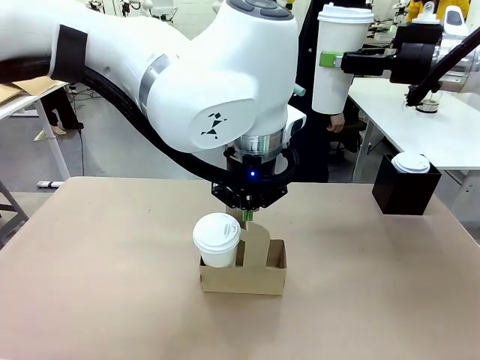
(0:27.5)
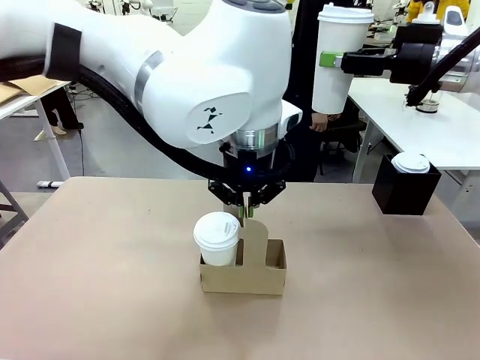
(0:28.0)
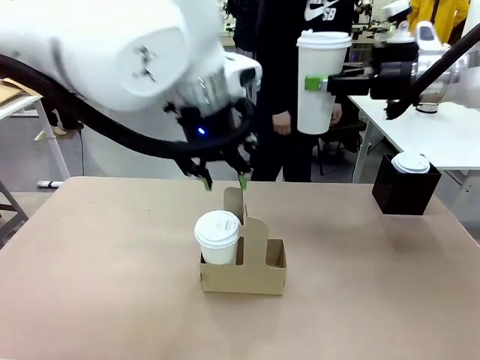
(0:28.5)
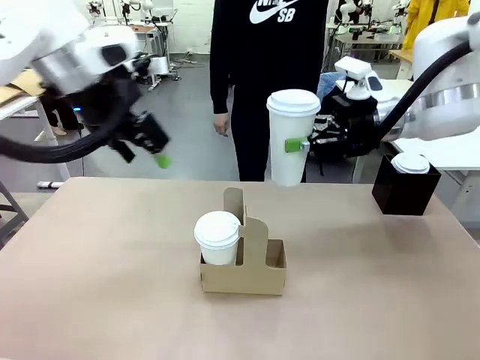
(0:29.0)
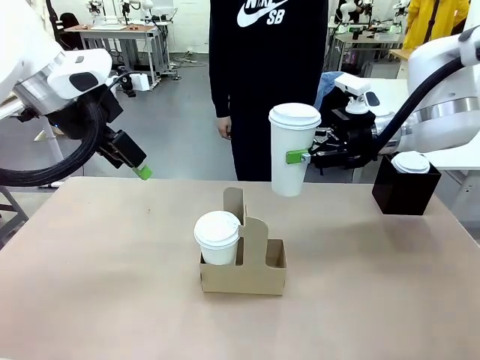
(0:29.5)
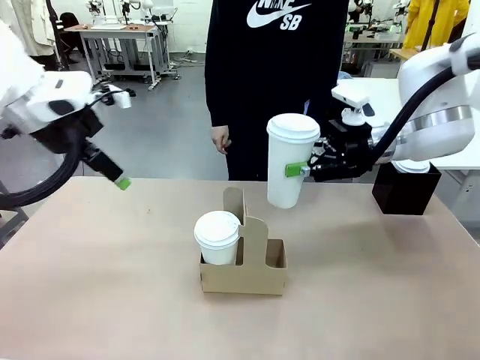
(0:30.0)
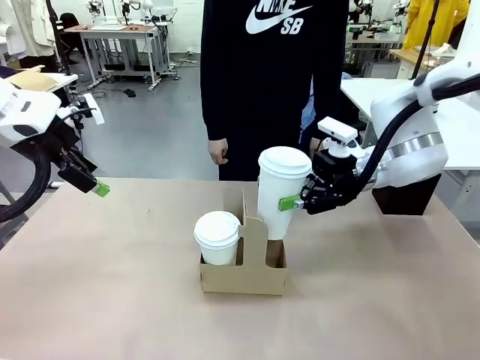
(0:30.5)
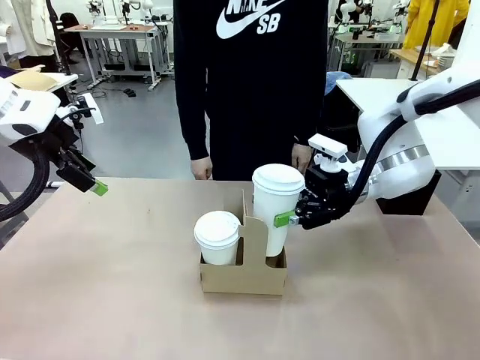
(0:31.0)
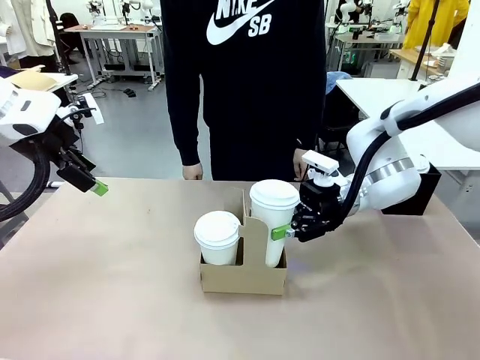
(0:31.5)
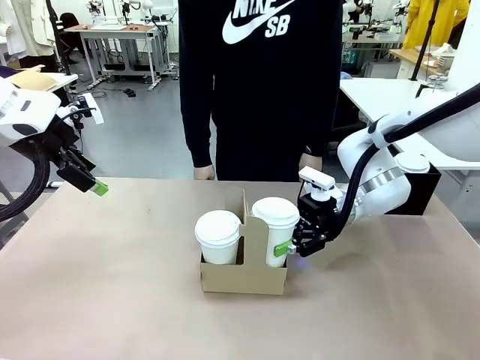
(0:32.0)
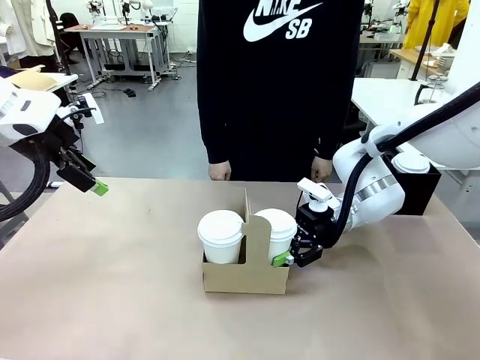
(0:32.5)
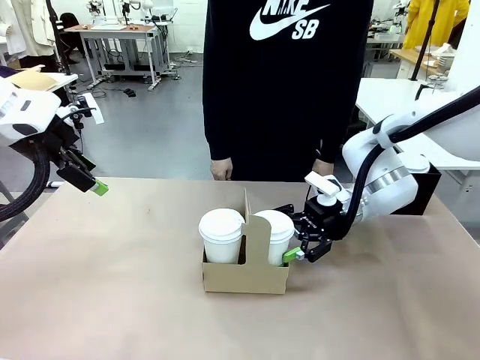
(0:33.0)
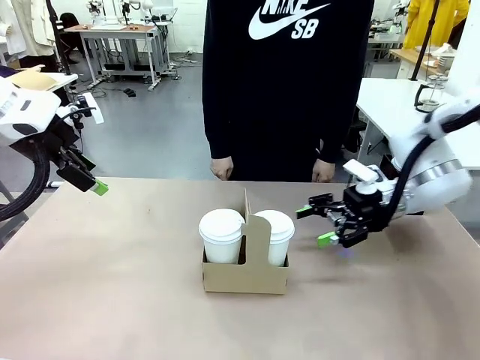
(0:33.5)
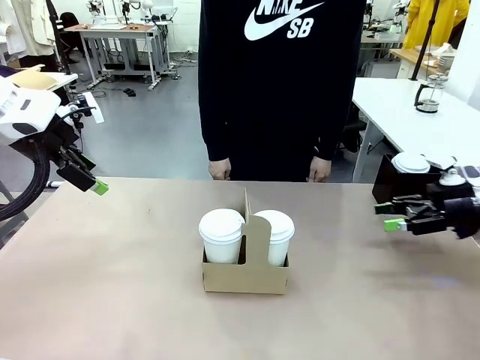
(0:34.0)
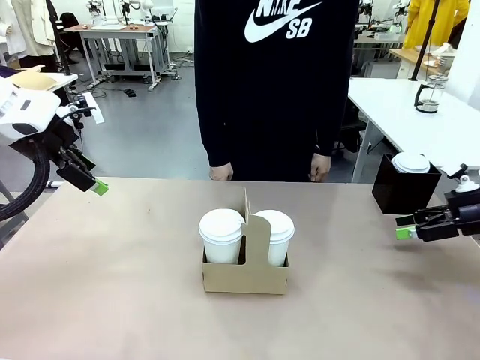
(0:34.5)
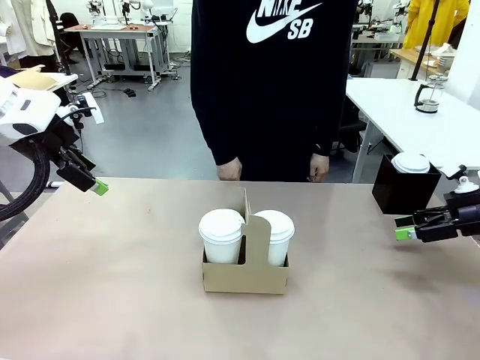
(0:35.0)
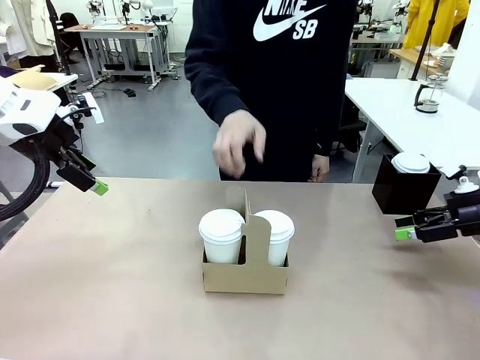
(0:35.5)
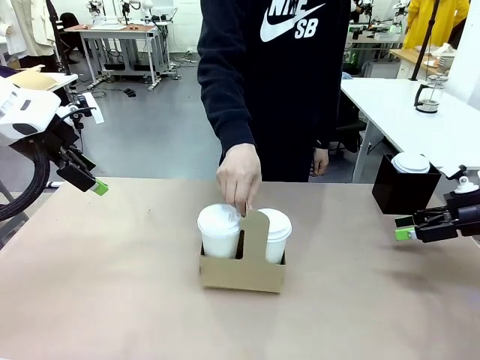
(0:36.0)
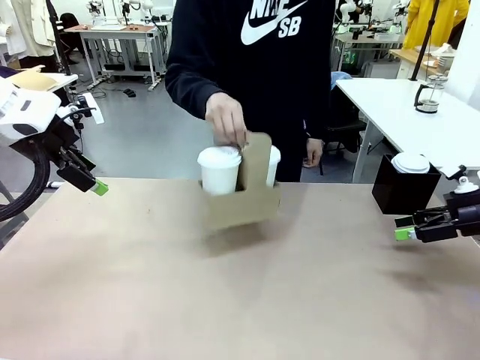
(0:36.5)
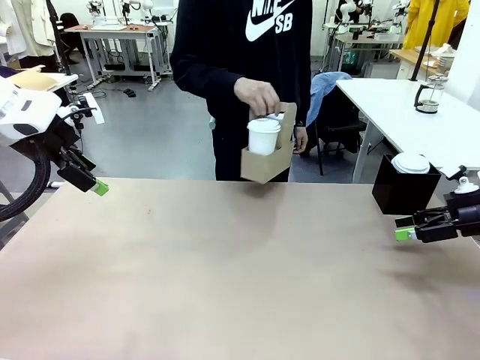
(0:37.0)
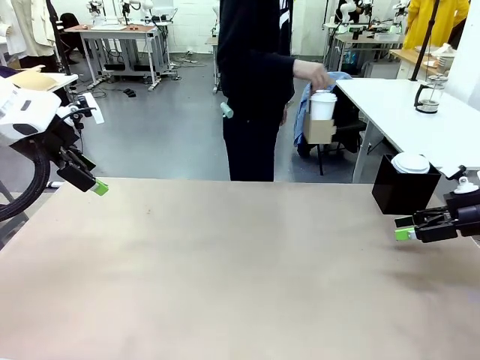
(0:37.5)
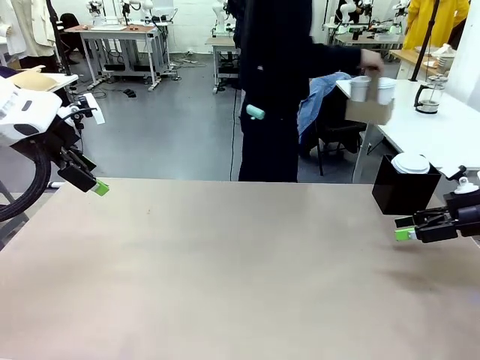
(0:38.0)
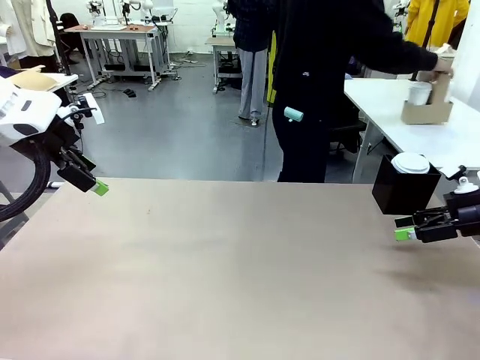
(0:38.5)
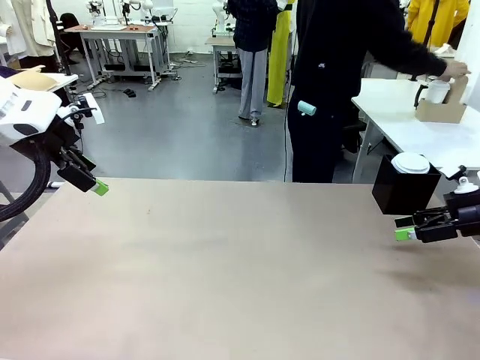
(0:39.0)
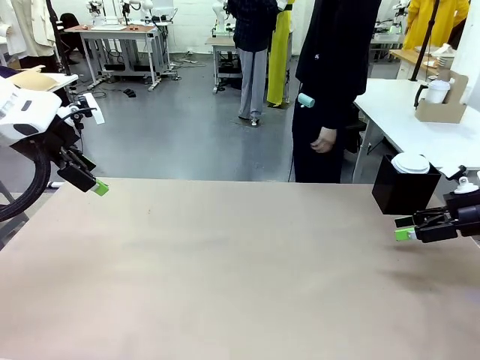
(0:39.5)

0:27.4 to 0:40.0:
Task: Pour a drink into a cup and package it in a carrier.
Robot: Insert the held 600 ml Paper Cup into the Cup Carrier.
Person: Place the Cup Carrier to the middle of Human table.

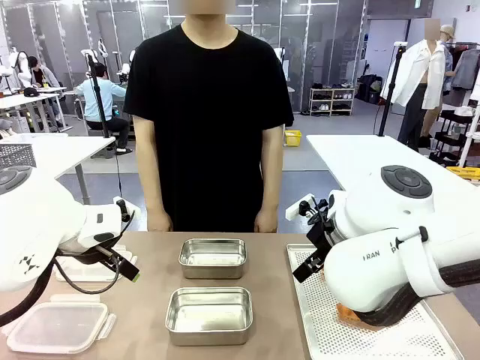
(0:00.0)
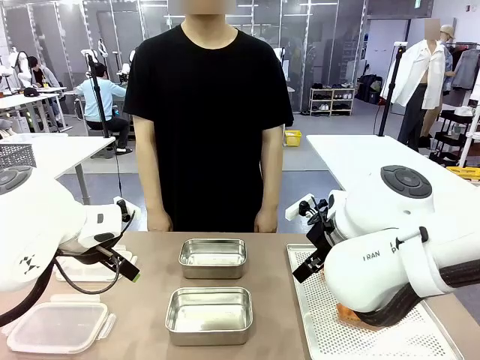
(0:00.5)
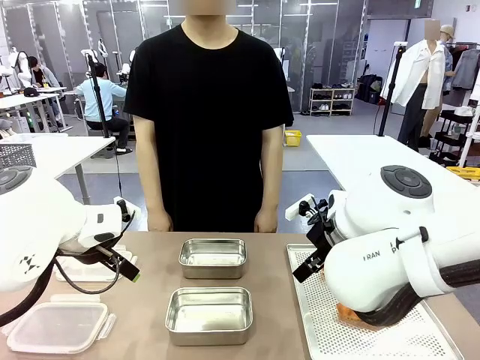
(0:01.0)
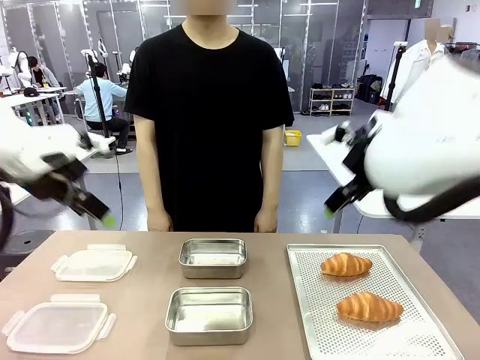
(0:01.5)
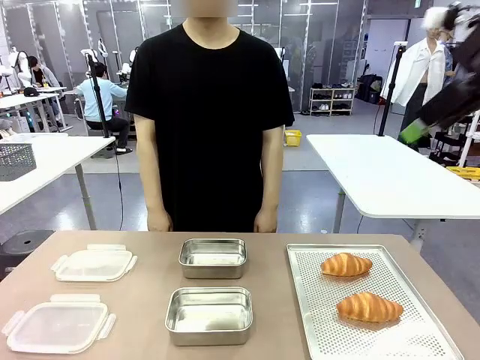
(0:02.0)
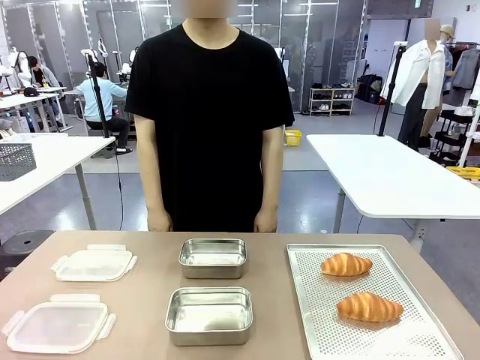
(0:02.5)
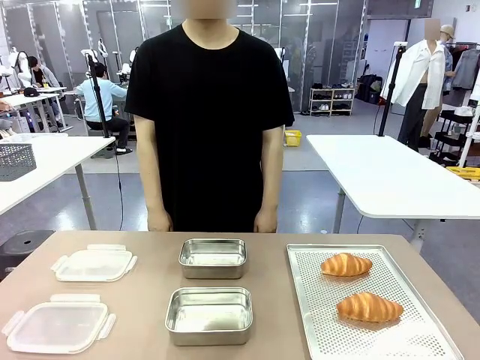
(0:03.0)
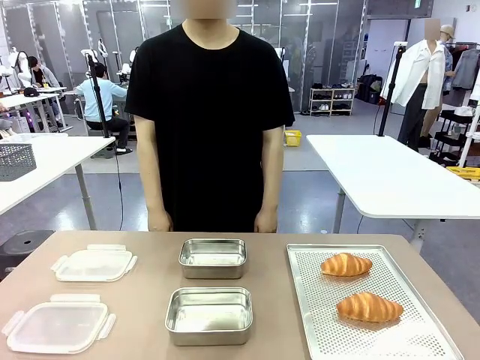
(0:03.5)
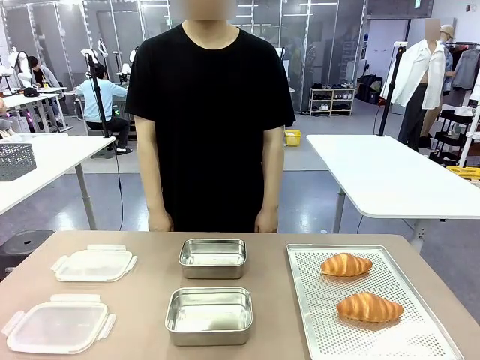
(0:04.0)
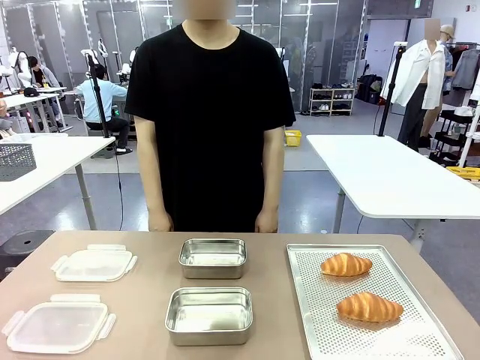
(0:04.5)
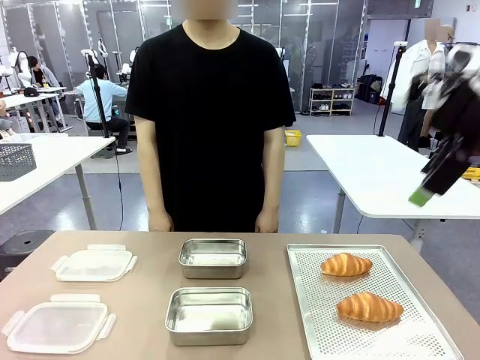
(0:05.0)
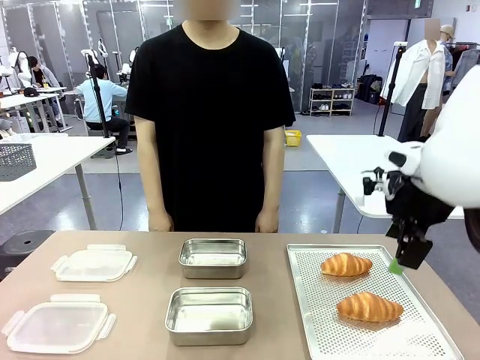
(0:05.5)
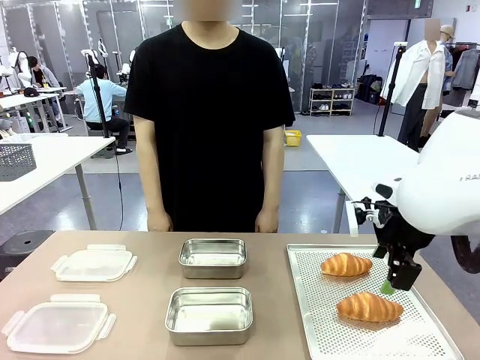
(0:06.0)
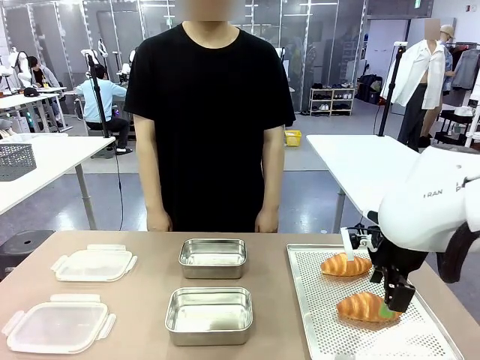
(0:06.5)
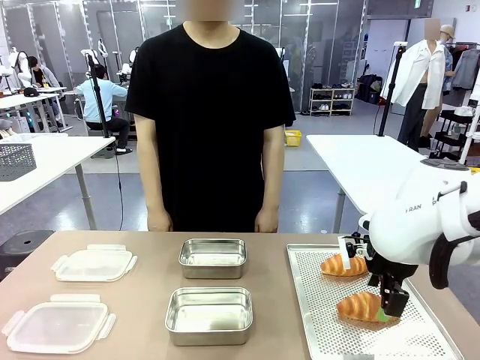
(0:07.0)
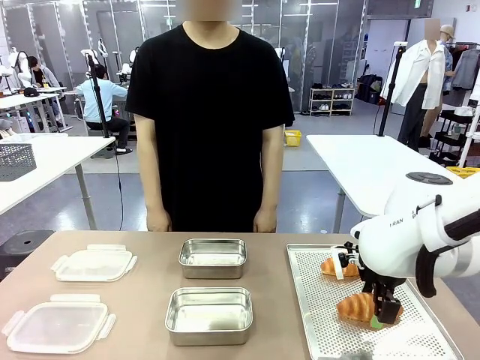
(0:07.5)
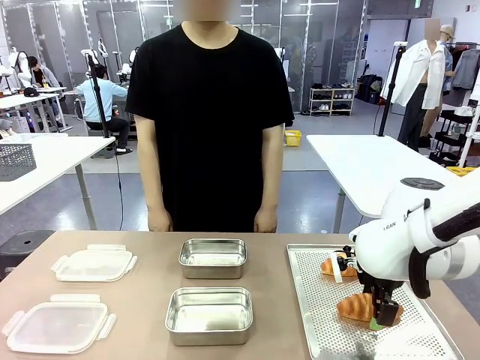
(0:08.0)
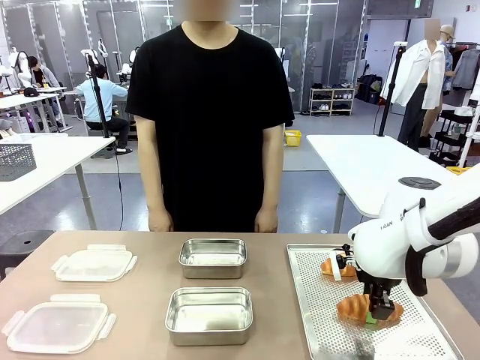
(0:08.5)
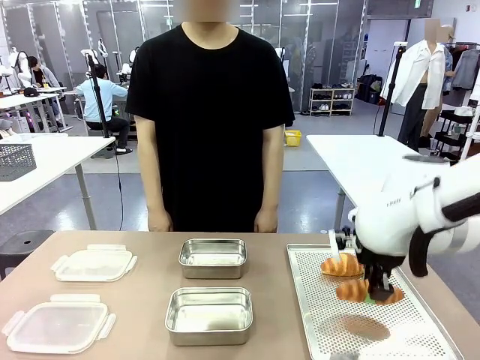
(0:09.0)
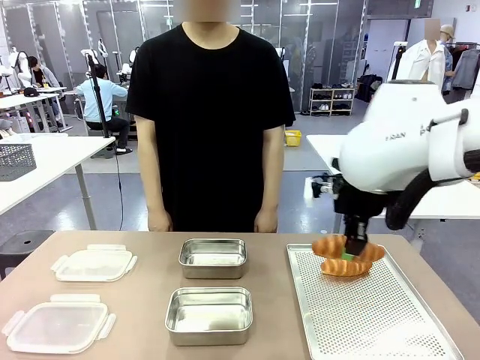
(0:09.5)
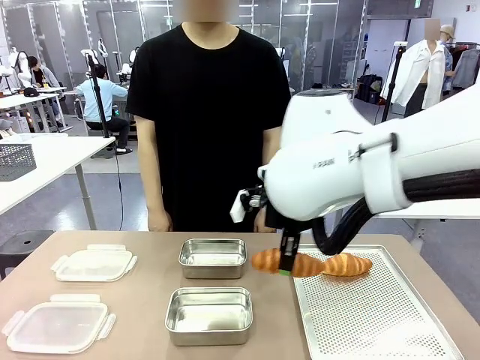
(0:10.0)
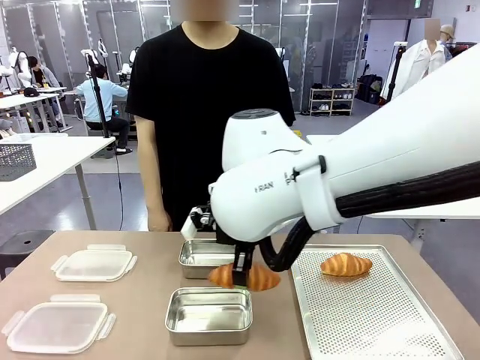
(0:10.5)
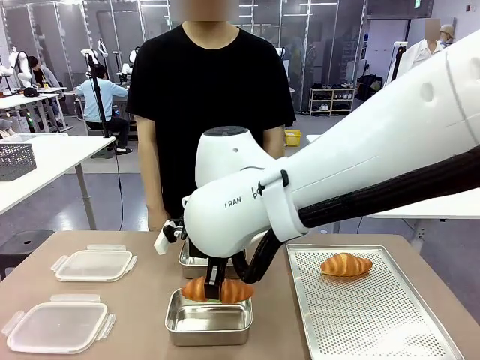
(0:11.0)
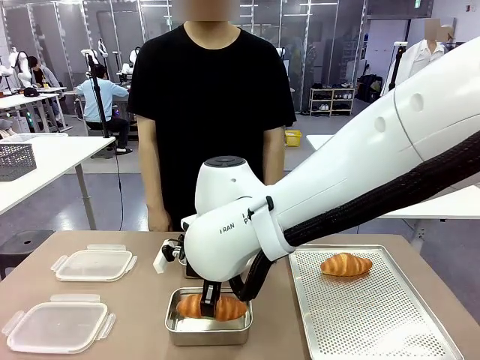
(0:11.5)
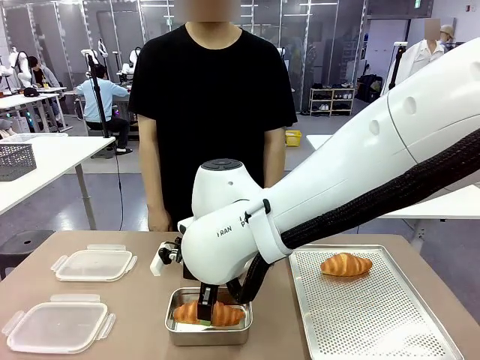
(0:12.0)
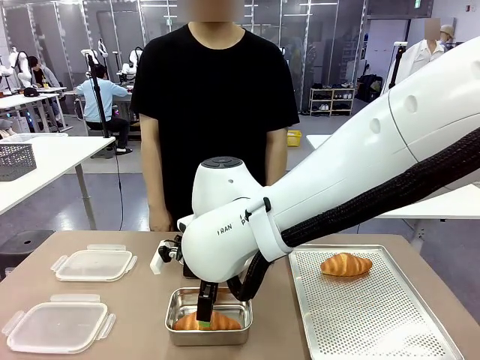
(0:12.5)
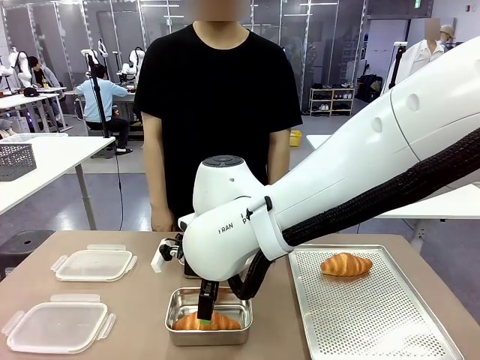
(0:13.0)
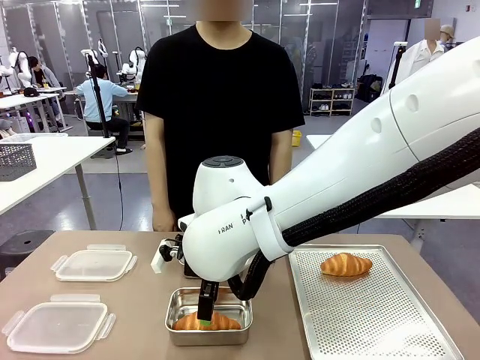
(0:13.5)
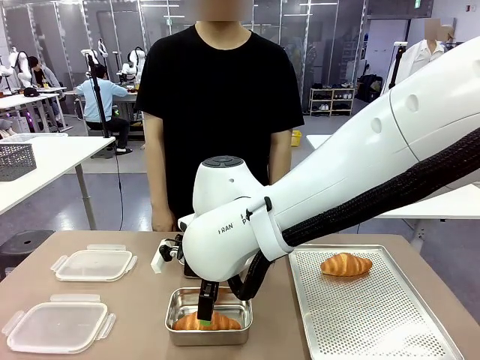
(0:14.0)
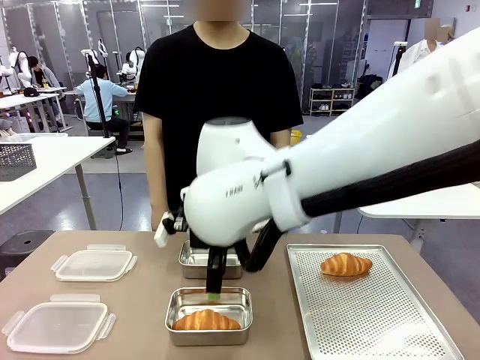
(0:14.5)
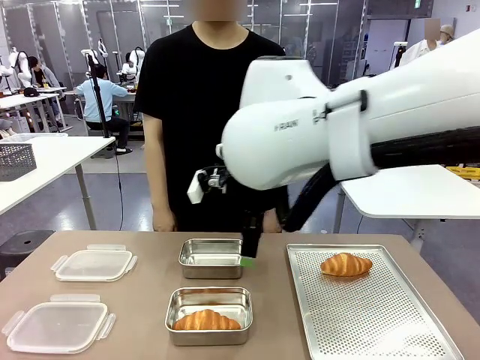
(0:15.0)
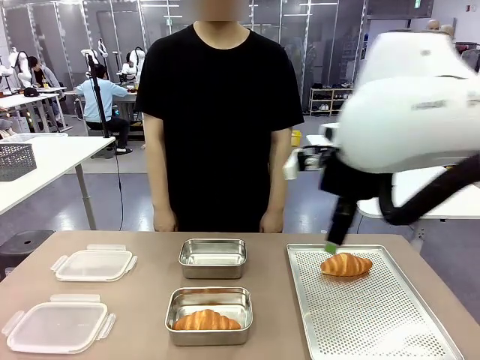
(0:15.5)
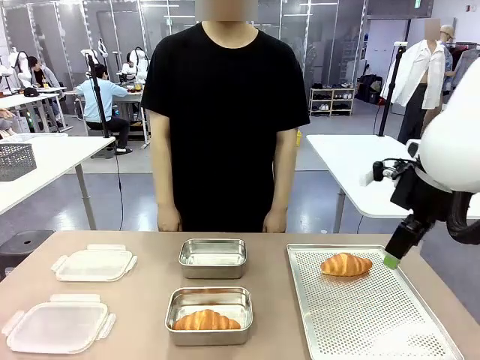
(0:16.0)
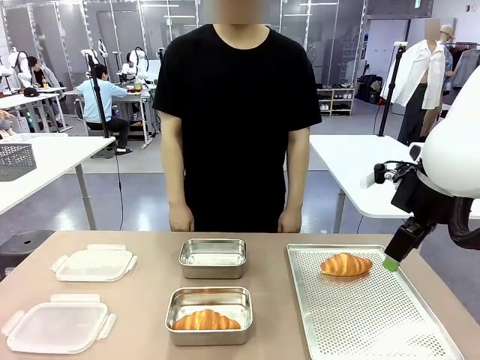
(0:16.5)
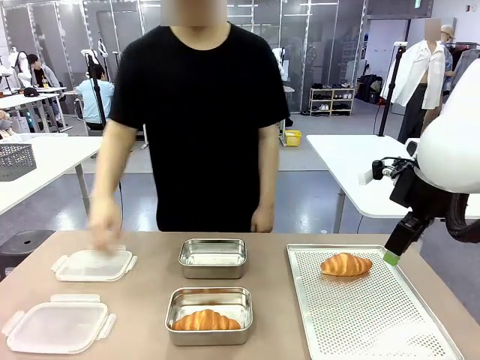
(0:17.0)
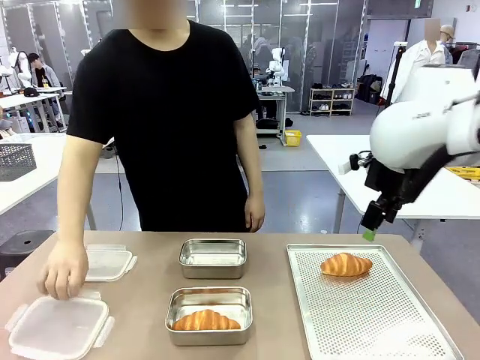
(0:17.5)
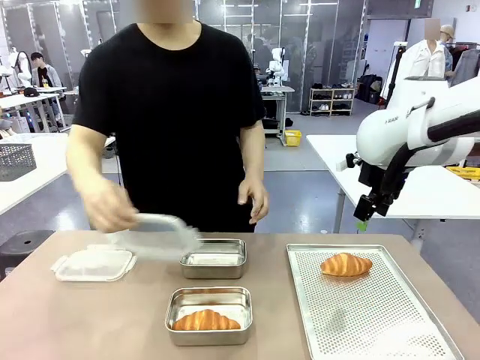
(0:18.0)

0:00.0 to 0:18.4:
Task: Place the bread into the airtight container.
Robot: Pick up a Butter Roll and place it into an empty Airtight Container.
